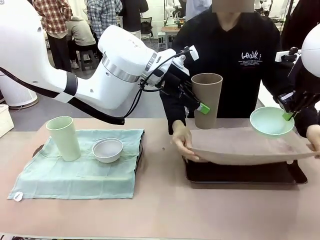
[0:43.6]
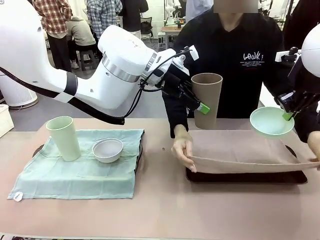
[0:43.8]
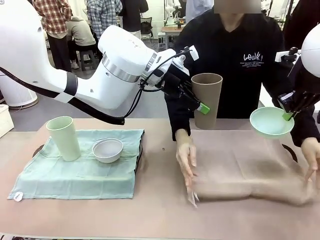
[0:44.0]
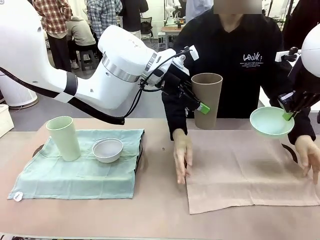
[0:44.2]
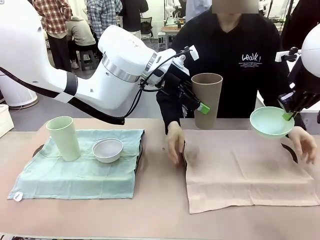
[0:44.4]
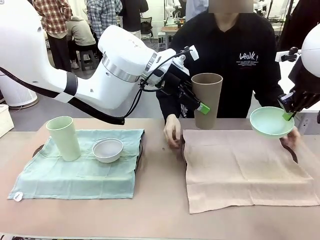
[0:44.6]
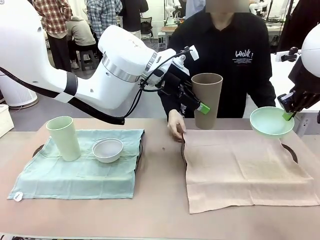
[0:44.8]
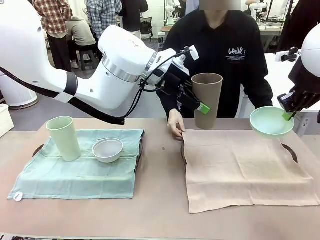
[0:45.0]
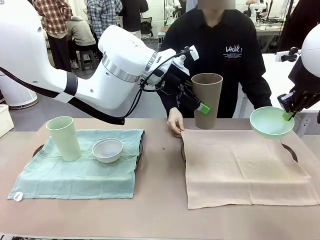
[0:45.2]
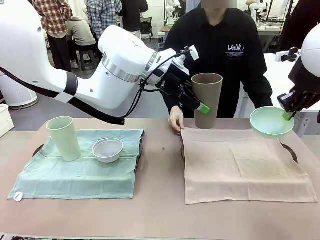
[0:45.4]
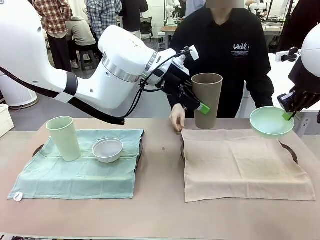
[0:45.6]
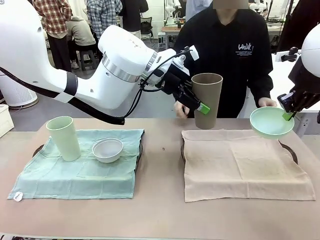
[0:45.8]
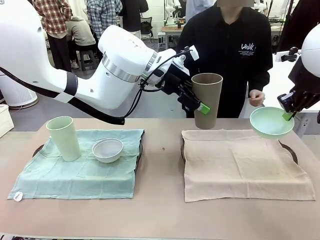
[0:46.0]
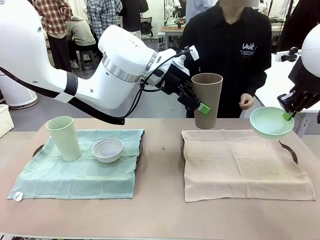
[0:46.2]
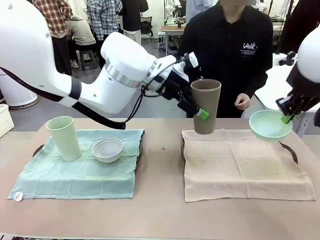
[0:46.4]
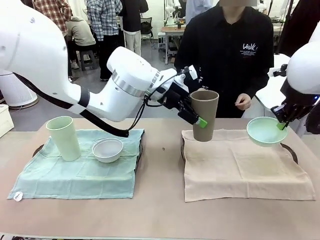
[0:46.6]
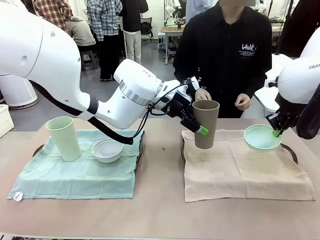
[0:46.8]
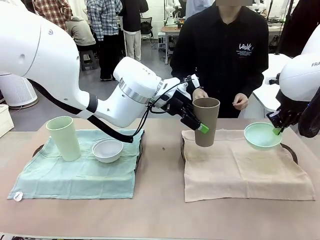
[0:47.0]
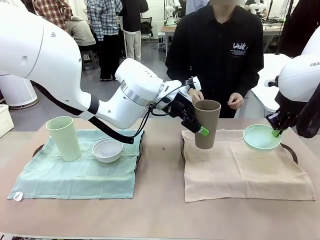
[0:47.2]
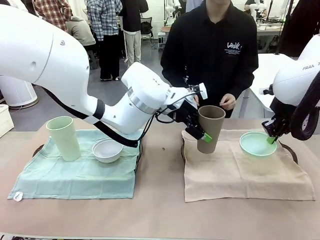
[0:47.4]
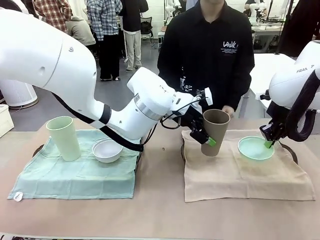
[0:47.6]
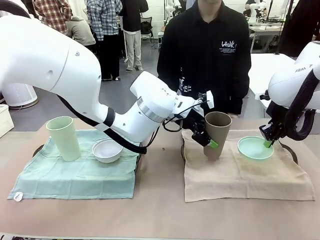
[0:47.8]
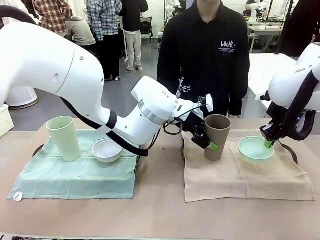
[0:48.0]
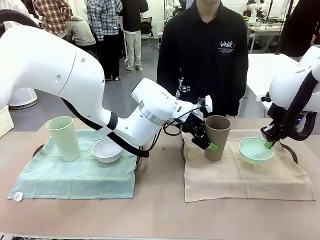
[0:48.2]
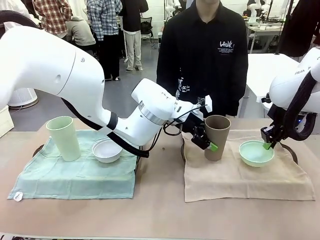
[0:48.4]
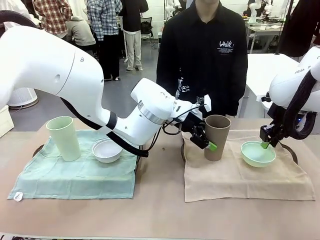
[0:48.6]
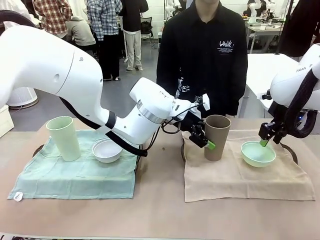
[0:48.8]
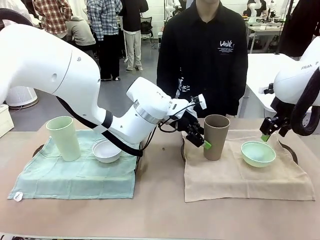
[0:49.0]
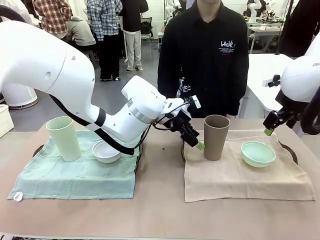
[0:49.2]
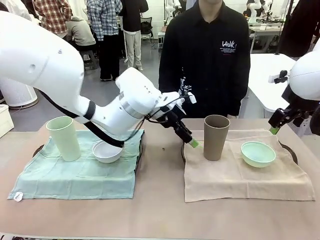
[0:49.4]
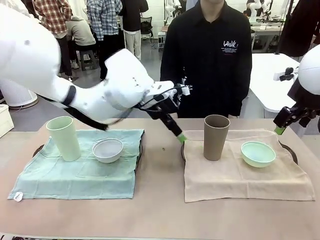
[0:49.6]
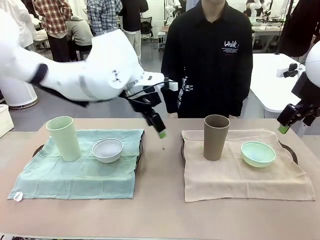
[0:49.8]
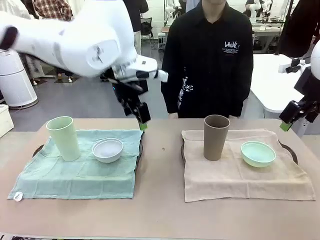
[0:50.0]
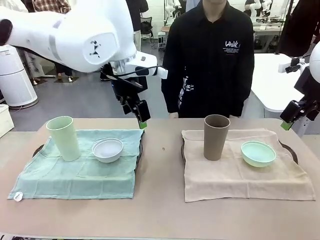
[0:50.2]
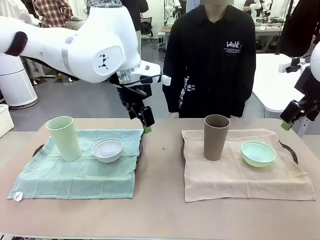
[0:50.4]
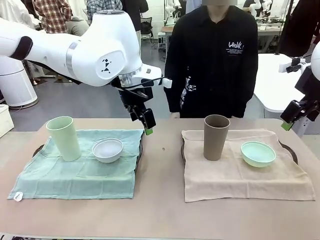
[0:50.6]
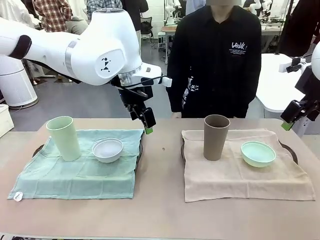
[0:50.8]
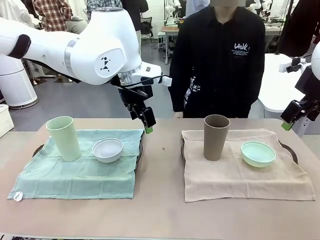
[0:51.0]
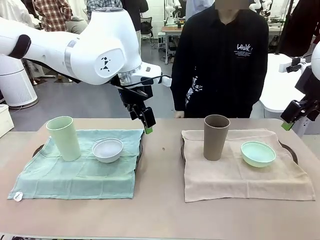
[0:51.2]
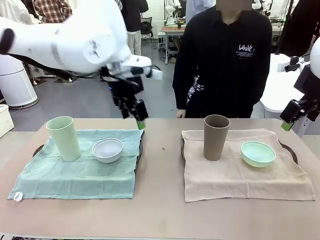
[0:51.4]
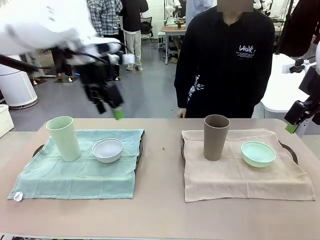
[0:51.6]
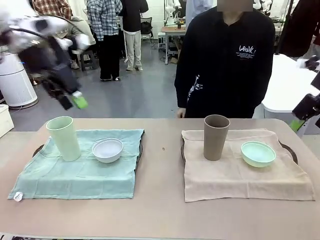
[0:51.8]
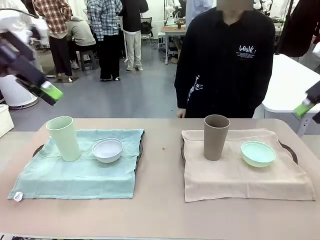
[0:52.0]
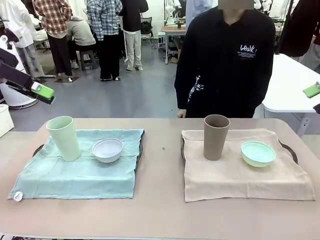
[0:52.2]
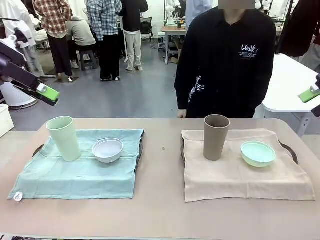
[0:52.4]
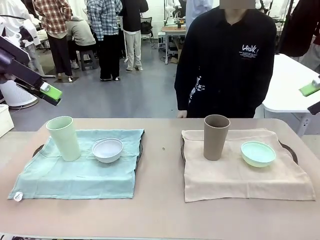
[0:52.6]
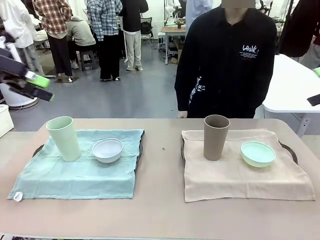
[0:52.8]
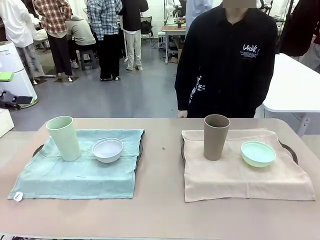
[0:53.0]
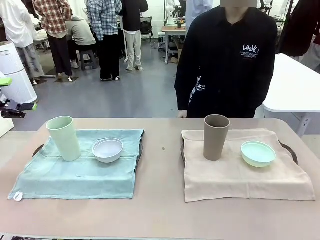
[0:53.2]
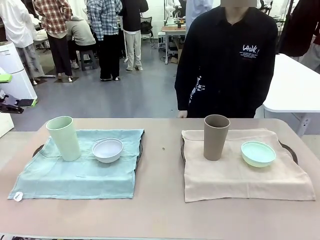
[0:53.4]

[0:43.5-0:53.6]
Robot: Place the Picnic Bowl and Reusable plastic cup back onto the Handle tray in front of the human's position.

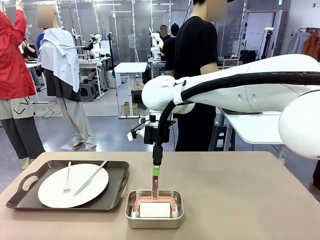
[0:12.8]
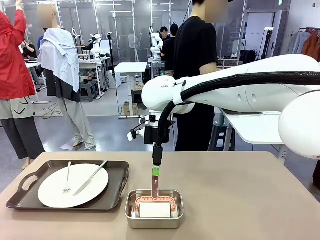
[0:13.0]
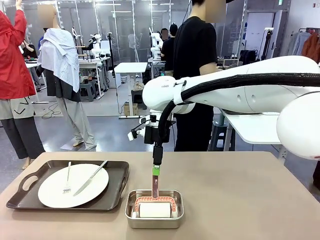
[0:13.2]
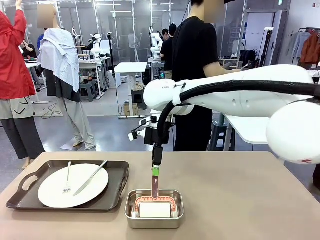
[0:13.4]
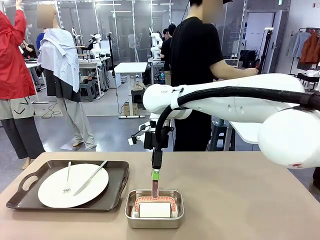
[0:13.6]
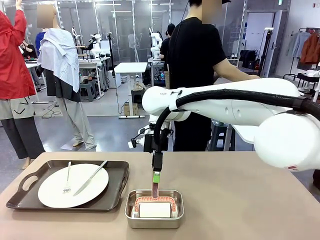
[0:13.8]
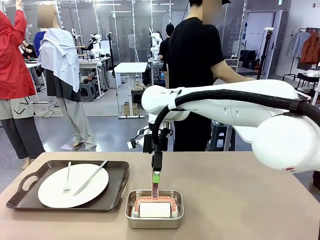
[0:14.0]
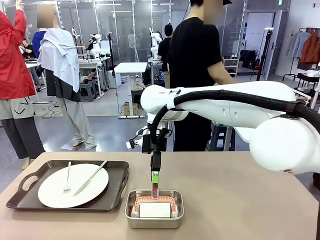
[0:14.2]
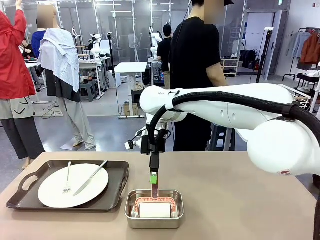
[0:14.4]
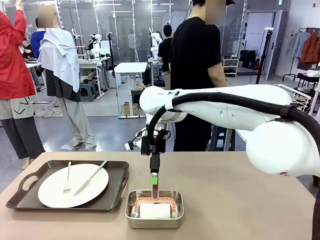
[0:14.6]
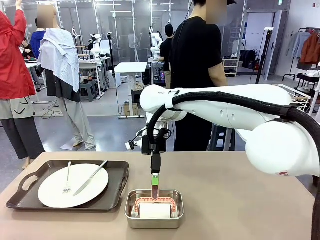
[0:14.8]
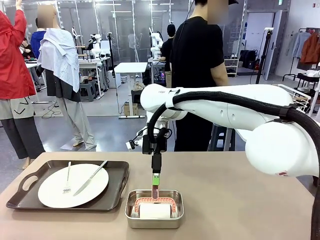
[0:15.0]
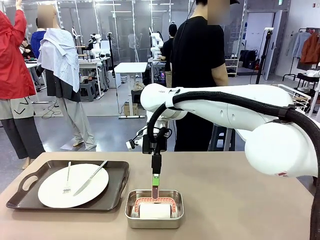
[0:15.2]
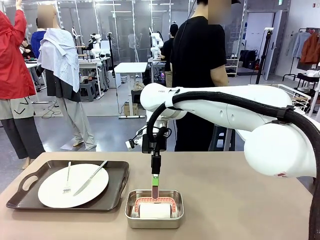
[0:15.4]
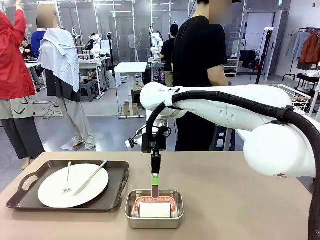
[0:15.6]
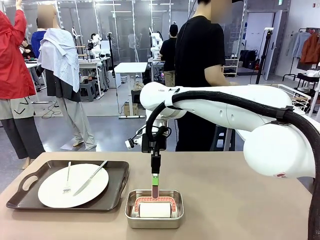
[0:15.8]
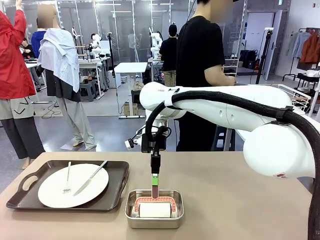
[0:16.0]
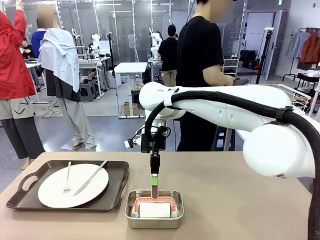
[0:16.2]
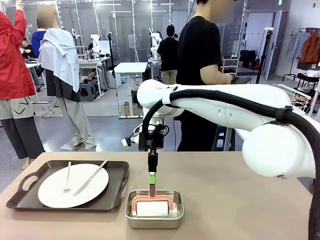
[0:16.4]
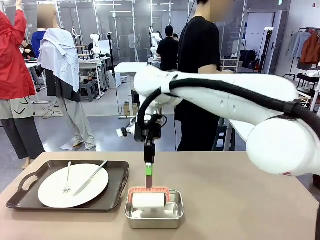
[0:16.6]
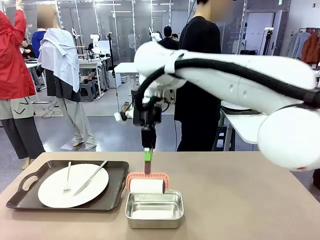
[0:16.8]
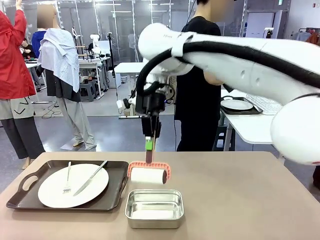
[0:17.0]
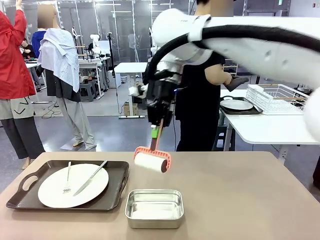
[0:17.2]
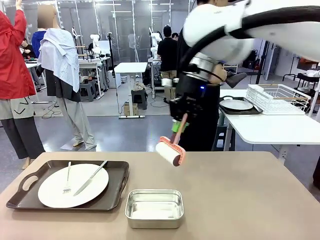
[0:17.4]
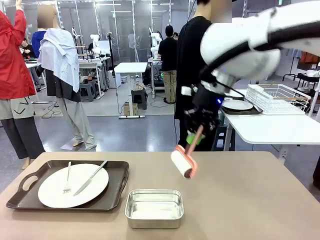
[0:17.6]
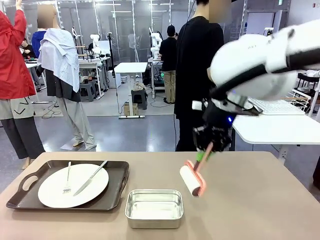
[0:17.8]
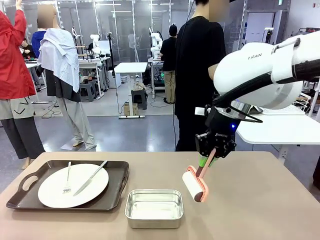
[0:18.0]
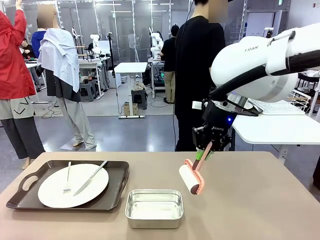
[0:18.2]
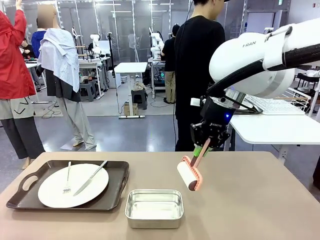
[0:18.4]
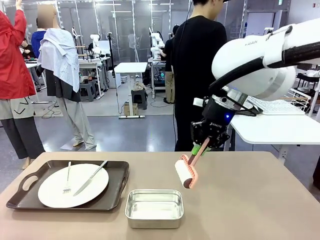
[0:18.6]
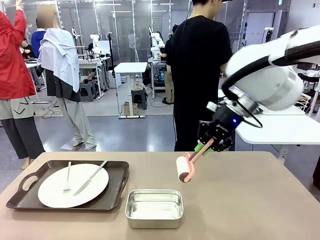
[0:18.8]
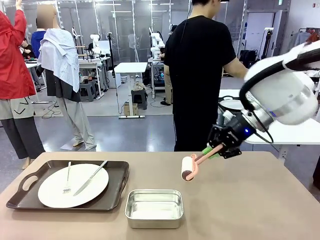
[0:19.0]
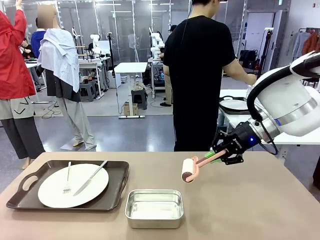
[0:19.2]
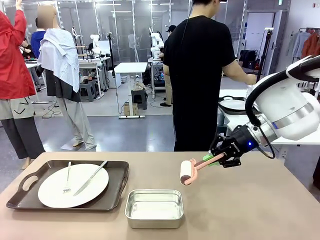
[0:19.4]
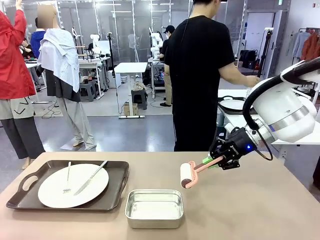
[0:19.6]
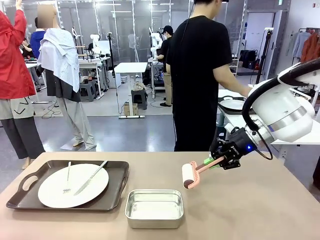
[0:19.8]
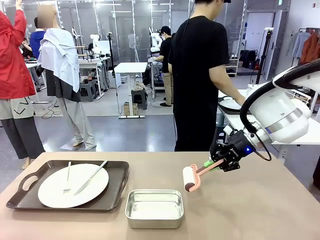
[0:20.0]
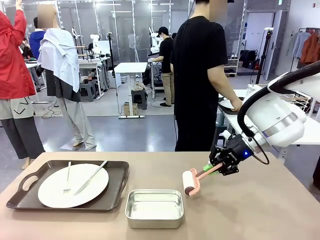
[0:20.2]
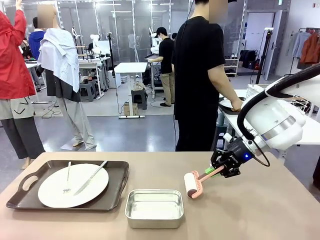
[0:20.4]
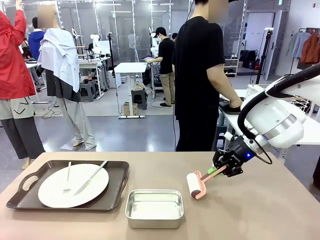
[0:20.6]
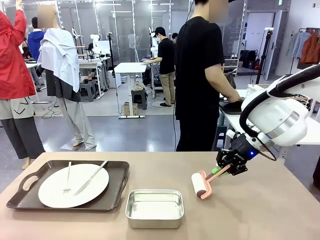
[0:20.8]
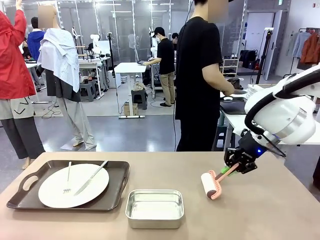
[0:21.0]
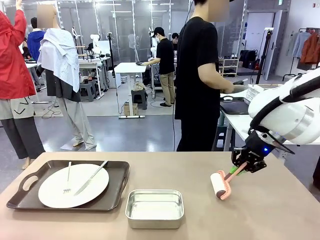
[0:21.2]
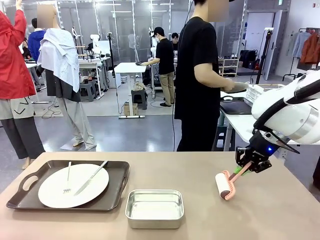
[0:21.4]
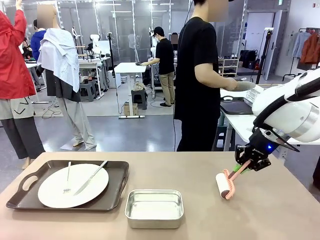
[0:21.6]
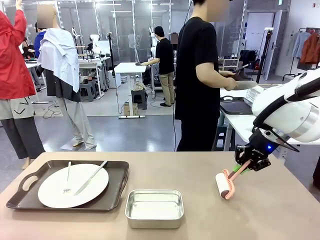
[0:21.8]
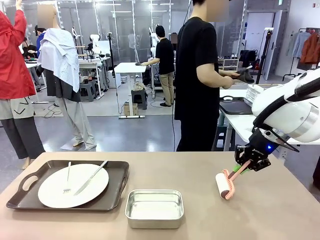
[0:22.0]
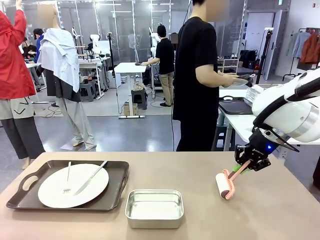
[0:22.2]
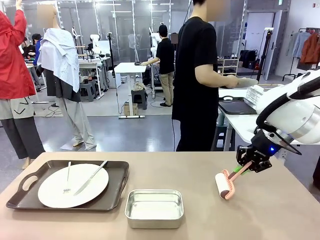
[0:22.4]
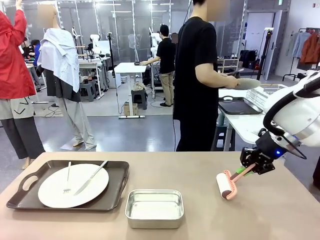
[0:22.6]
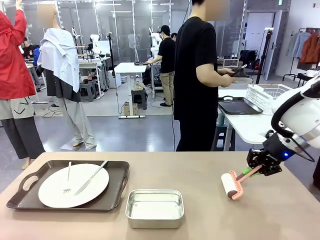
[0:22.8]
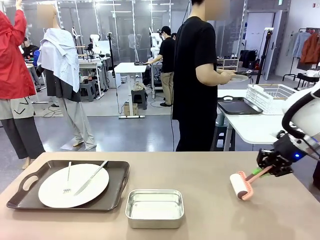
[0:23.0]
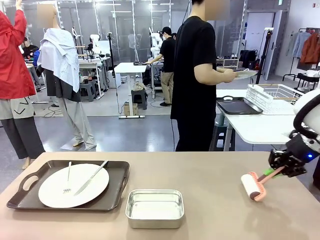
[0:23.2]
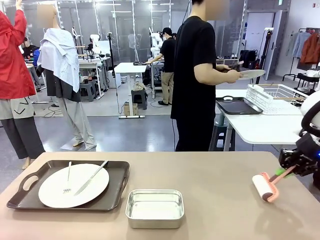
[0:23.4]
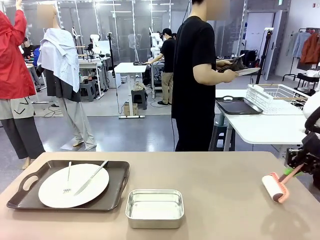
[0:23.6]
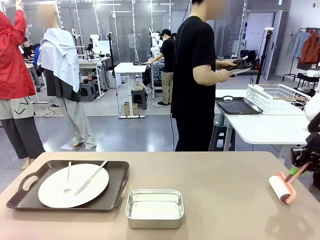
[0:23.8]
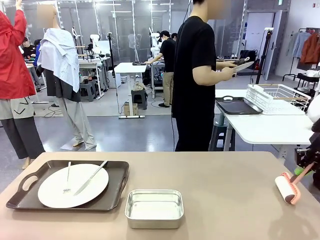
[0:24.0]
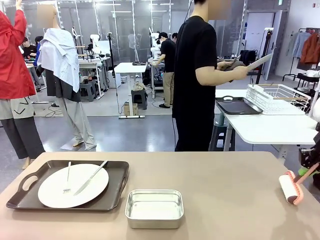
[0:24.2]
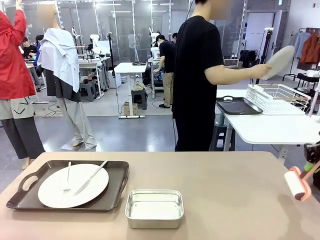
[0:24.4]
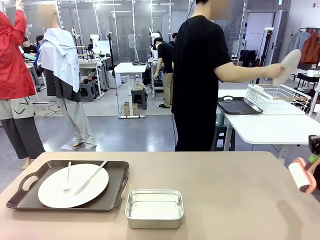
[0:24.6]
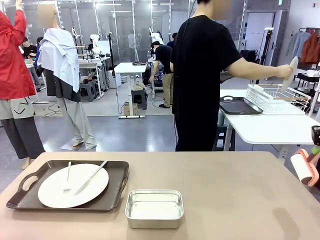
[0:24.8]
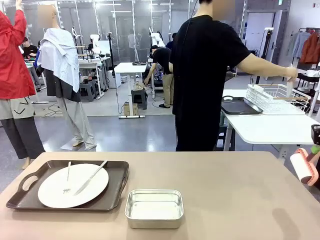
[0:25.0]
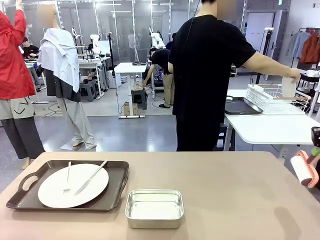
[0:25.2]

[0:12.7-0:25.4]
Robot: When the left (or right) Handle tray is removed, use the left hand (or right hand) to clean the left (or right) side of the table with the Lint Roller.
Person: Use the Towel with hook to wipe the Plastic Matte Plate , Fork , and Knife and place into the Dish drying rack.
